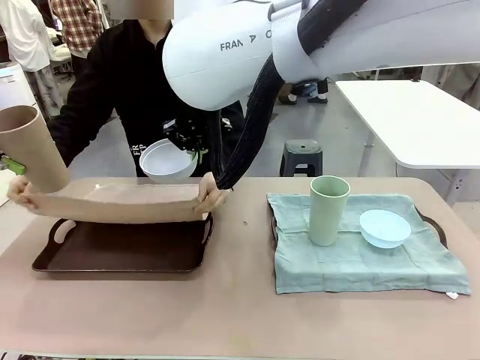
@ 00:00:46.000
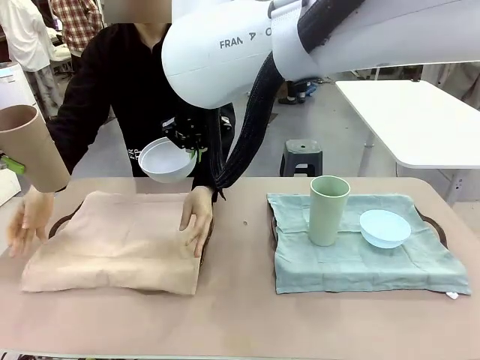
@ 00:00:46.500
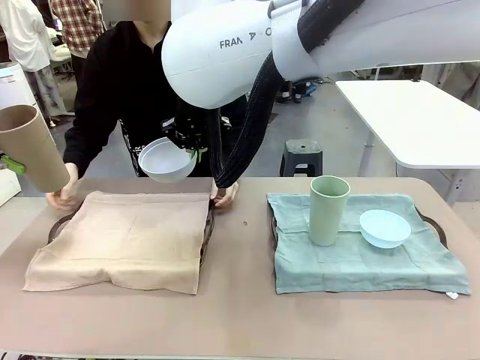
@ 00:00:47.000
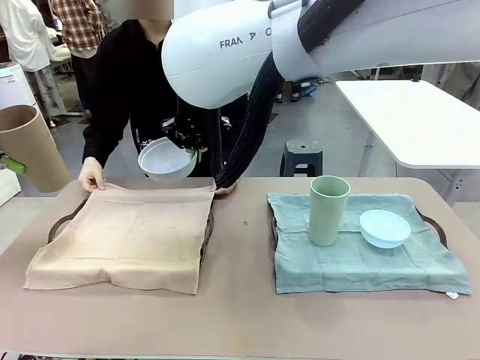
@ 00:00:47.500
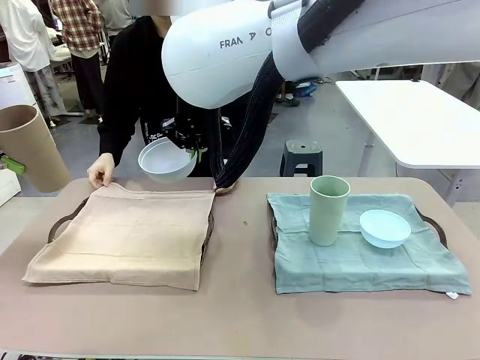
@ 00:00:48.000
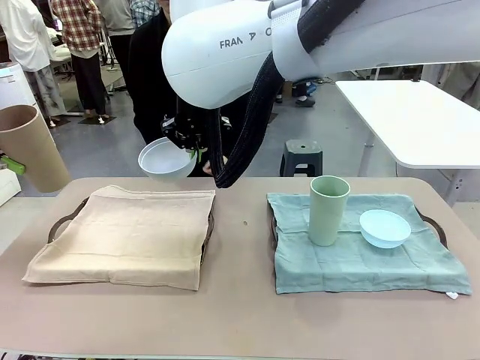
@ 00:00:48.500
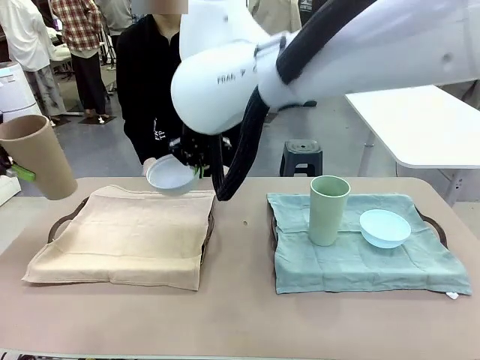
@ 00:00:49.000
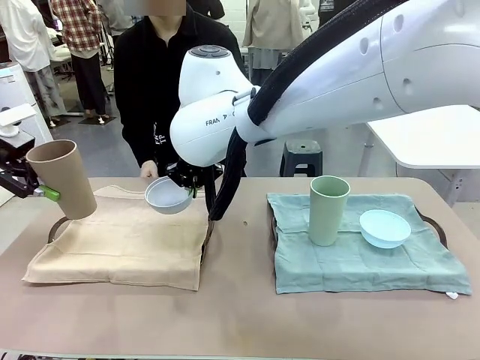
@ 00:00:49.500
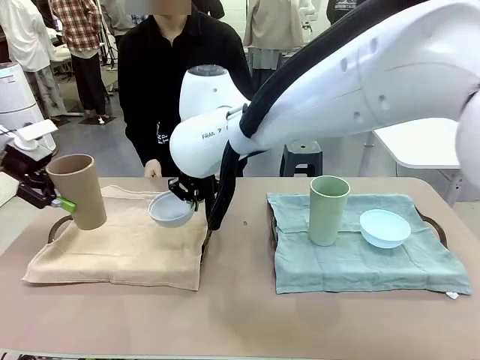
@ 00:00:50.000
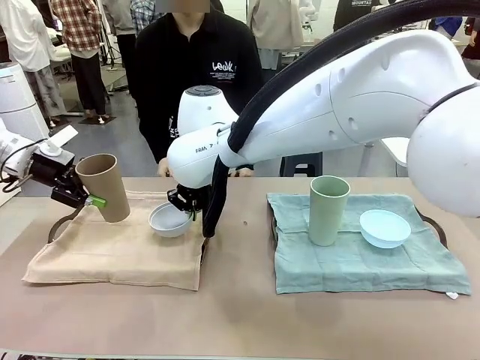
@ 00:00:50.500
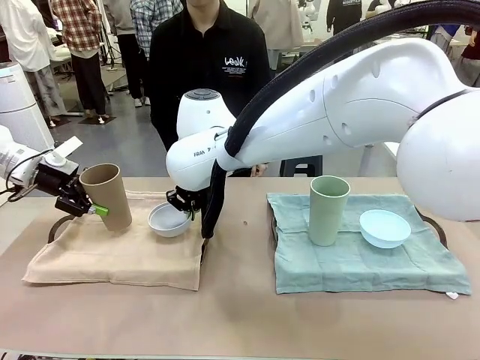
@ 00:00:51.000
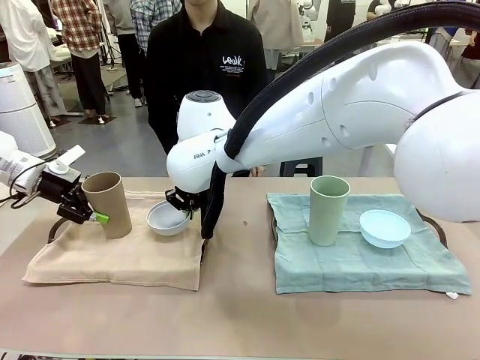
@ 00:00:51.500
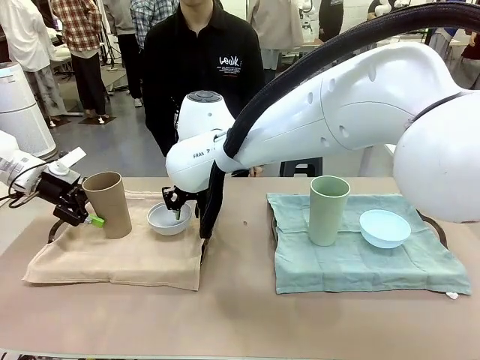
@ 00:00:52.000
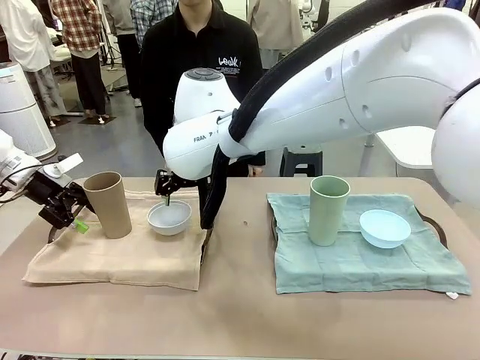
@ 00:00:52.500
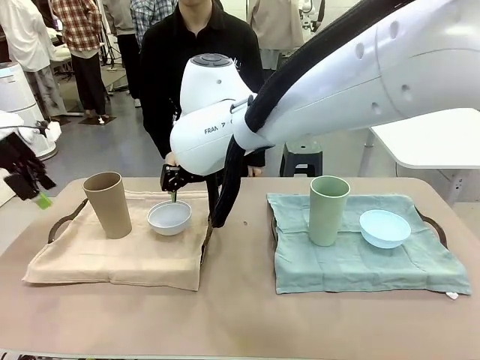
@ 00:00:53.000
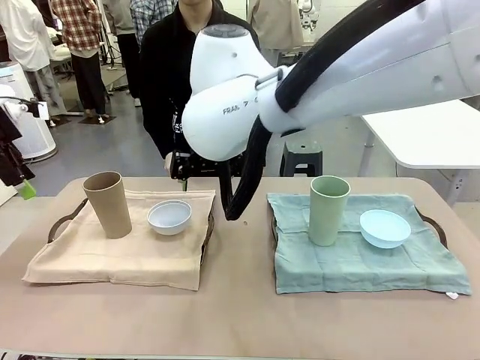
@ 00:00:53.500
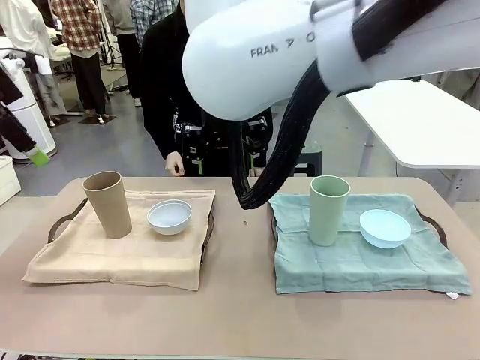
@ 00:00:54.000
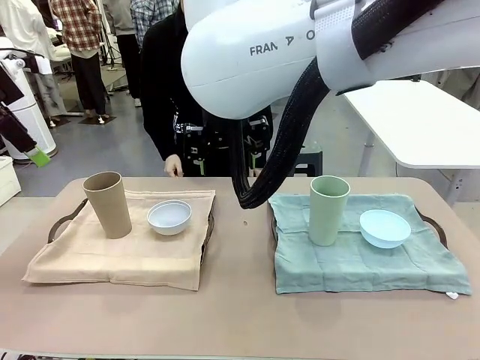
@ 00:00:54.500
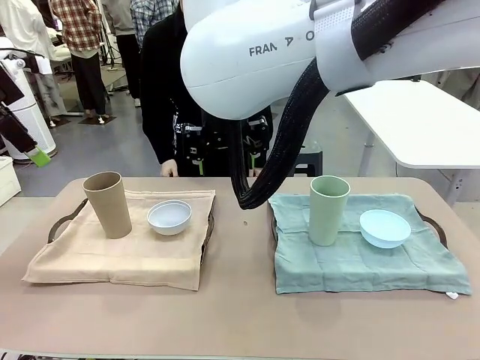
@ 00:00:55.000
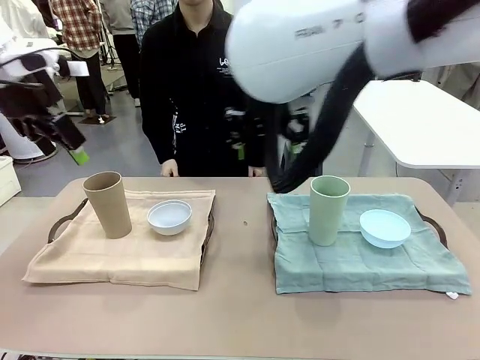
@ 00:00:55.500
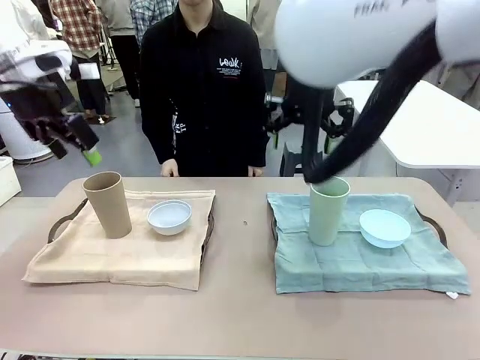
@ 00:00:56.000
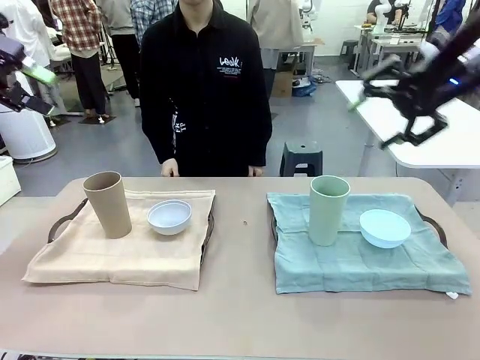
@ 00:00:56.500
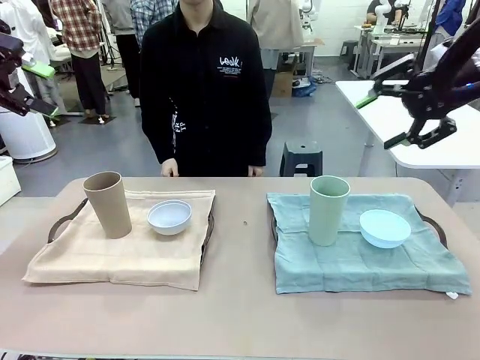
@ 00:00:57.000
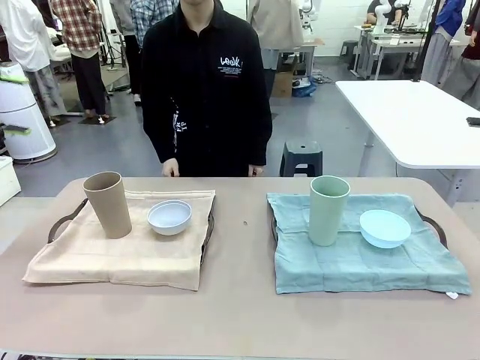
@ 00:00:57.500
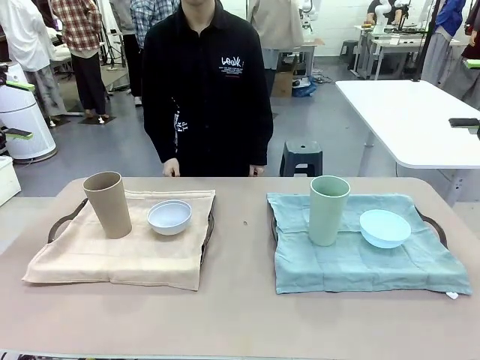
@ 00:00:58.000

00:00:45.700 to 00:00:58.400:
Robot: Place the Picnic Bowl and Reusable plastic cup back onto the Handle tray in front of the human's position.

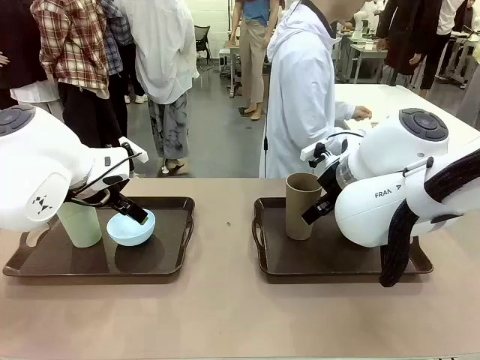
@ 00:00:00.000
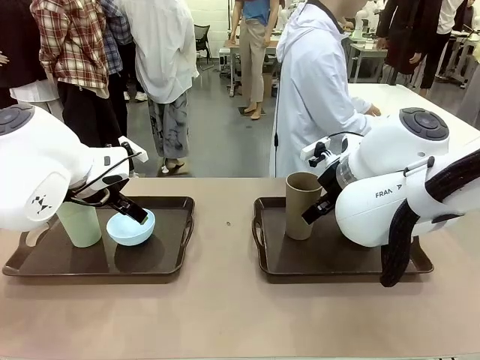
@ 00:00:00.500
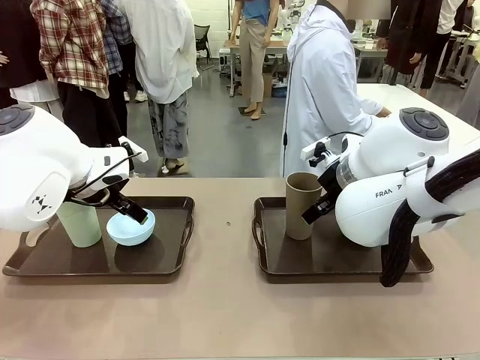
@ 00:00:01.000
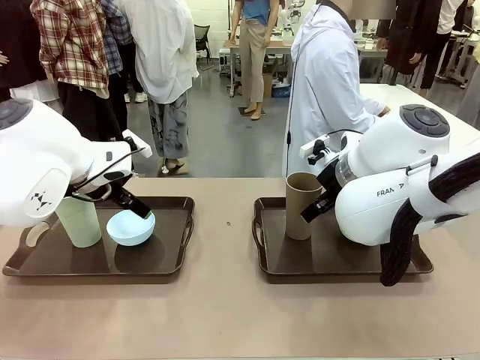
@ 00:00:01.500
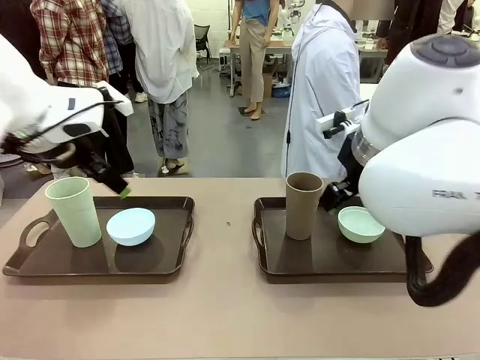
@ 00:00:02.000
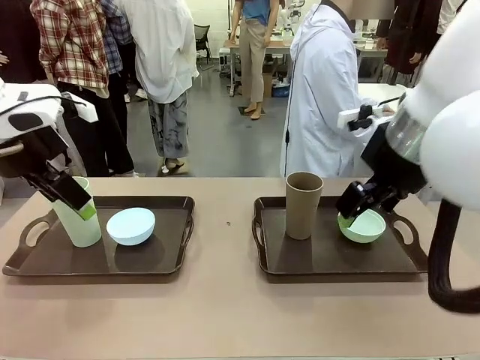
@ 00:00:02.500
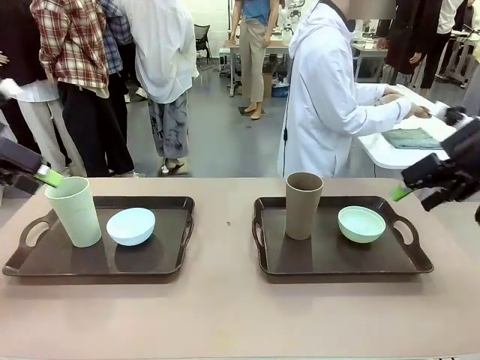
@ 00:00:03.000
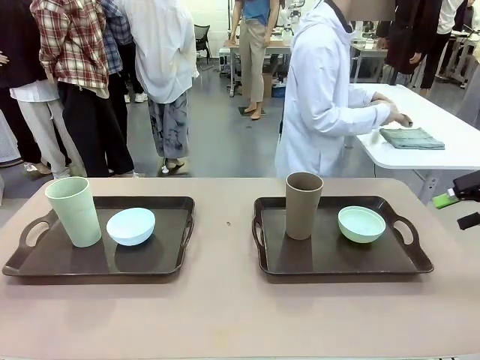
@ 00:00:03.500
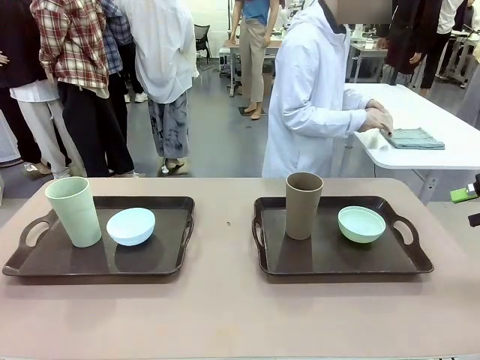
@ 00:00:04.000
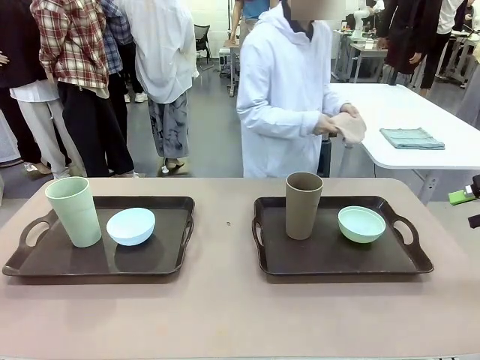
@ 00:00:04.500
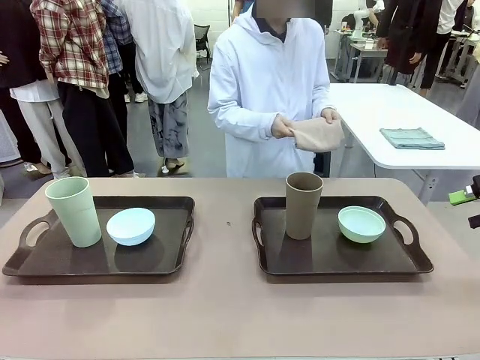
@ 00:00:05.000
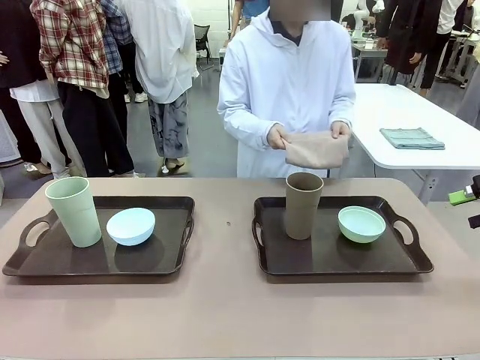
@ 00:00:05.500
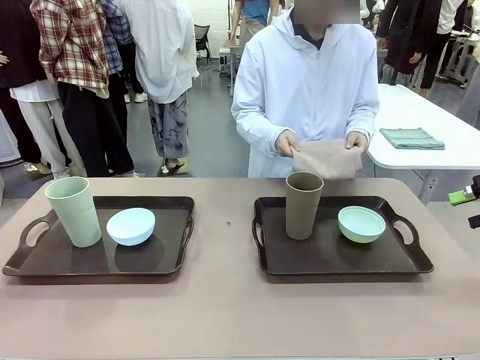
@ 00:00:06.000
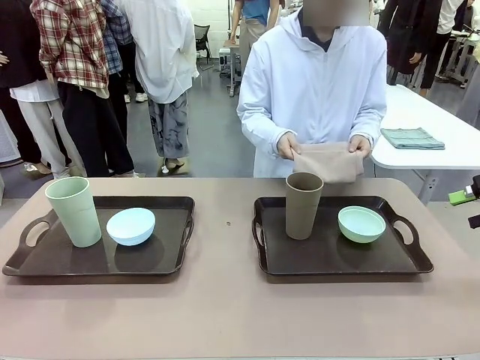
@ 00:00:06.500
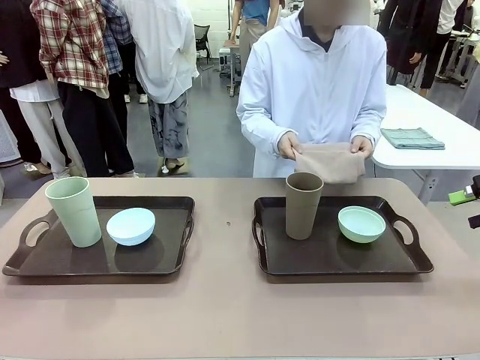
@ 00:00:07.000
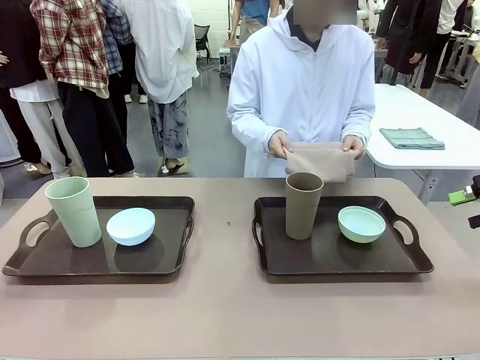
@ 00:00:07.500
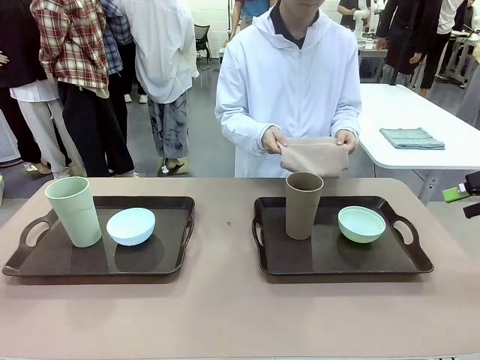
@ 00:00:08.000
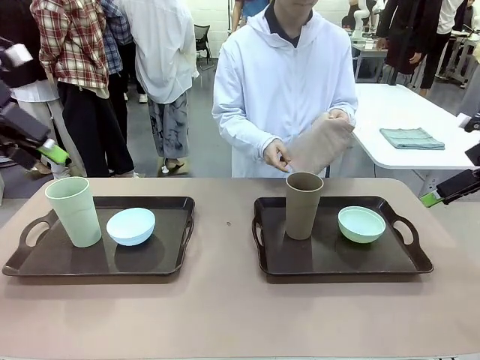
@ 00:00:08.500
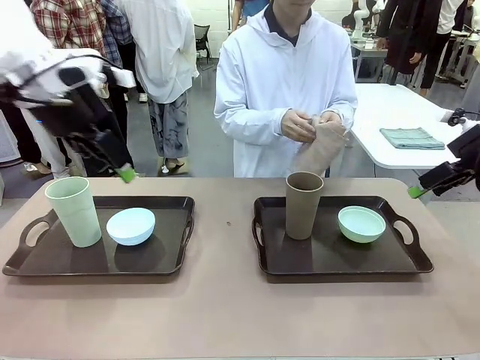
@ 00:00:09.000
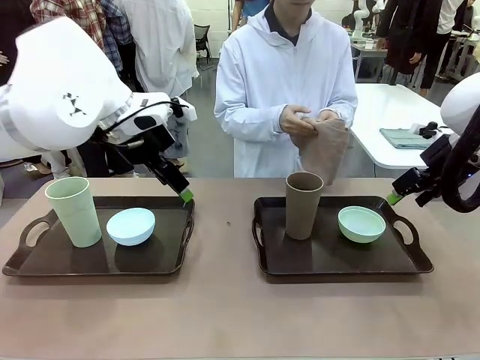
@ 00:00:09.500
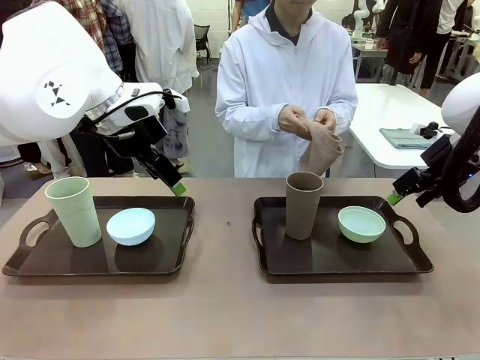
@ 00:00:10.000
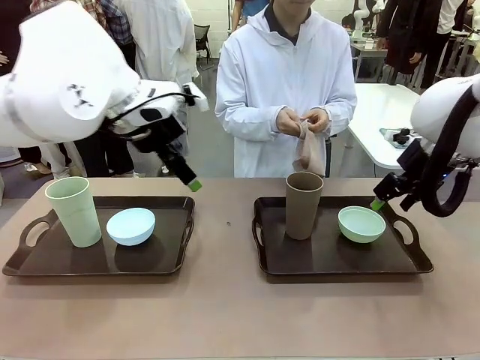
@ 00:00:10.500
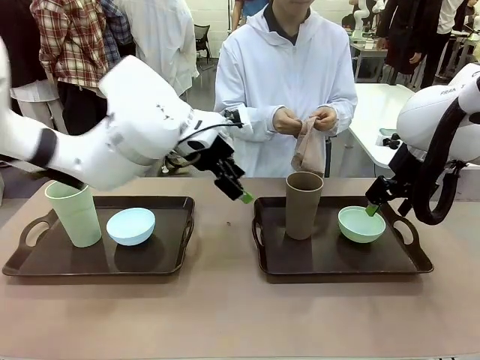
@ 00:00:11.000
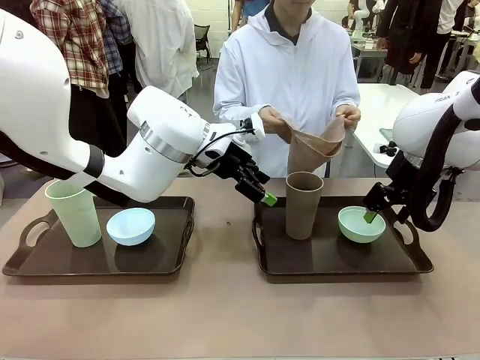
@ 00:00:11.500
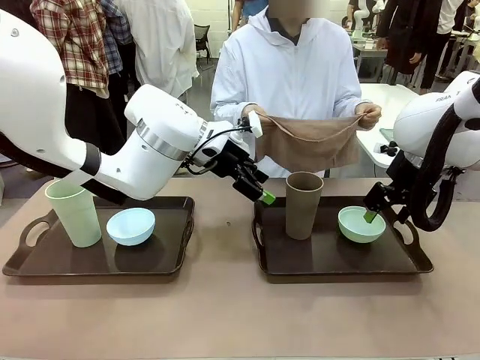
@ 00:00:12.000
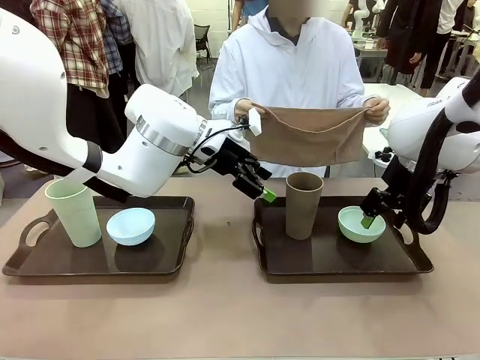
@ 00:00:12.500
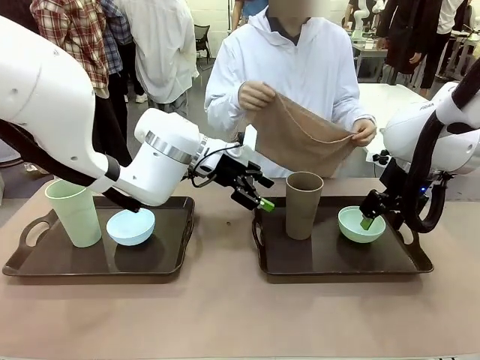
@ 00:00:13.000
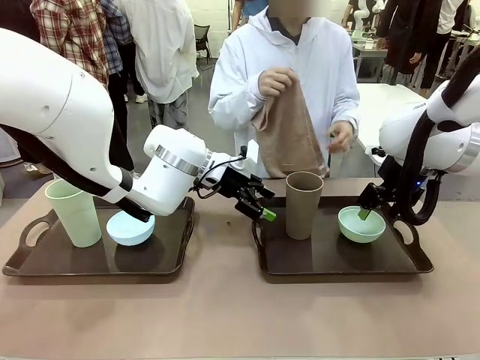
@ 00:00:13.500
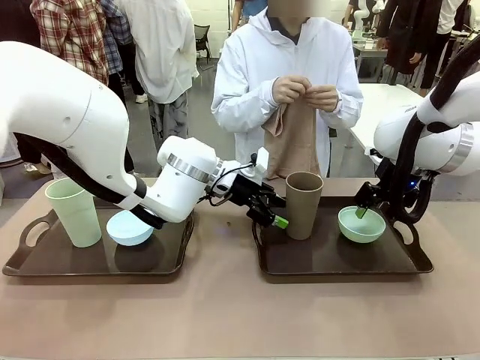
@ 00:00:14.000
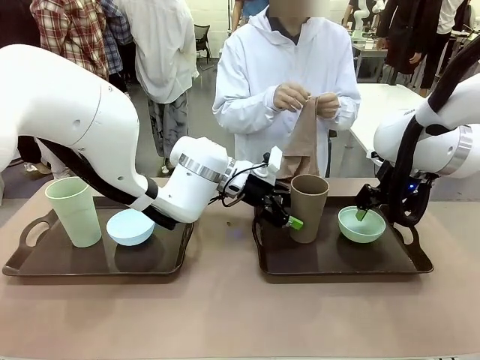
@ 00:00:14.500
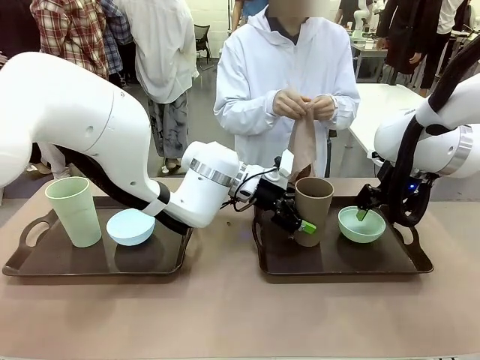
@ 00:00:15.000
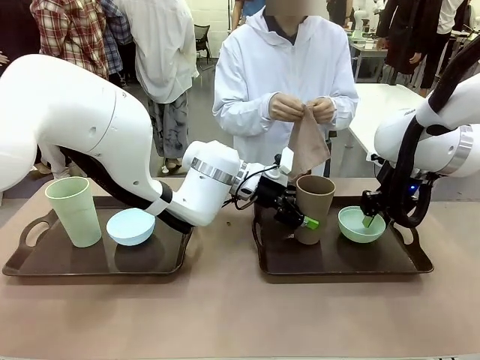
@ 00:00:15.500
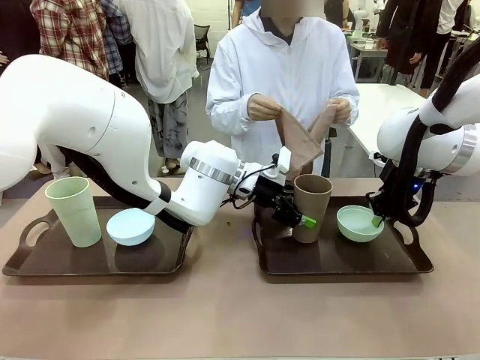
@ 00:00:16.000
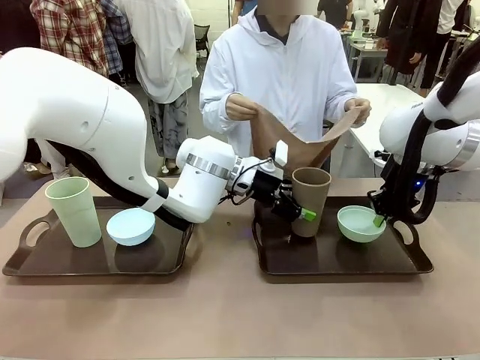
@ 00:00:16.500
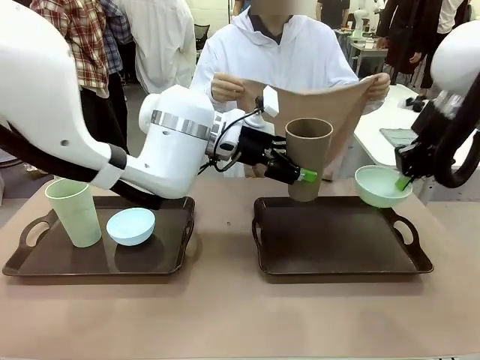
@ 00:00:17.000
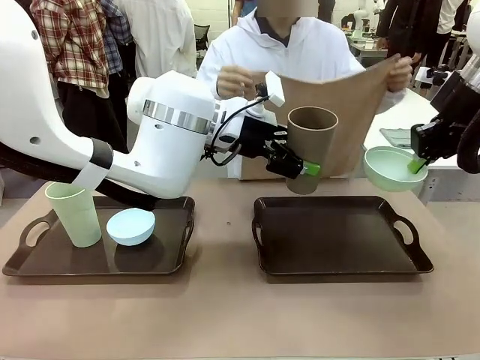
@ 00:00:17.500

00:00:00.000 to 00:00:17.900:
Robot: Pick up the Picnic Bowl and Reusable plastic cup from the Handle tray in front of the human's position and hold them in the air.
Person: The human picks up the top napkin from the stack on the human table and walks to the robot table to stand in front of one of the two trays. When the robot lifts the bowl and the cup, the human unfolds the napkin and lays the napkin flat on the tray.
